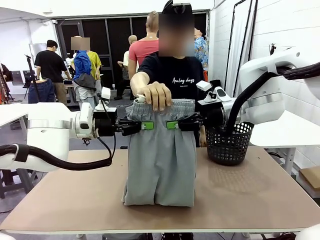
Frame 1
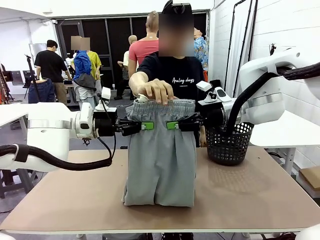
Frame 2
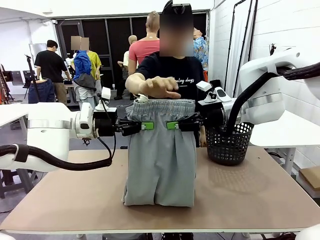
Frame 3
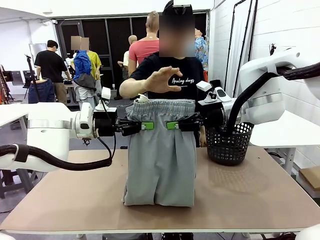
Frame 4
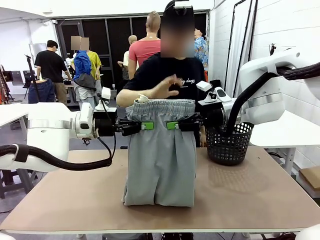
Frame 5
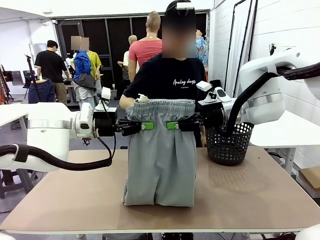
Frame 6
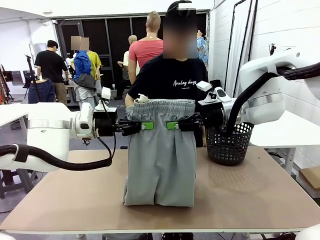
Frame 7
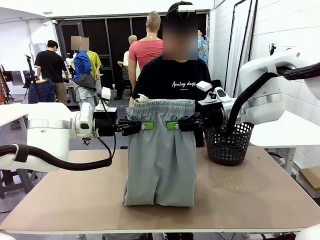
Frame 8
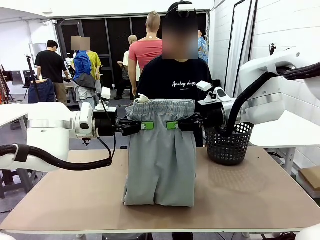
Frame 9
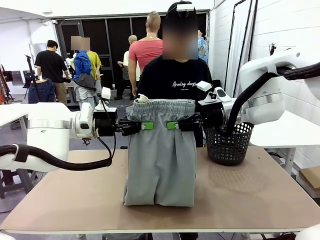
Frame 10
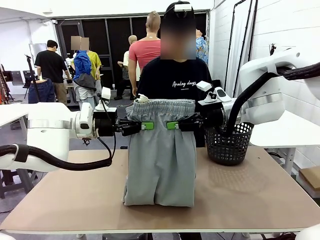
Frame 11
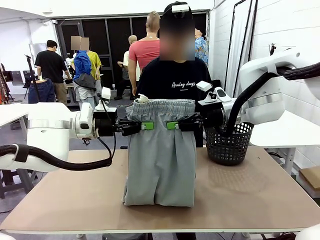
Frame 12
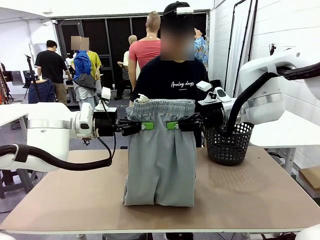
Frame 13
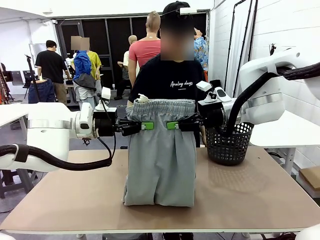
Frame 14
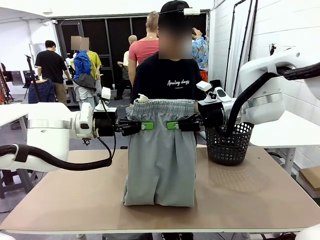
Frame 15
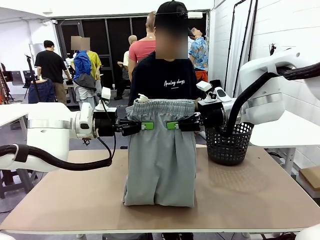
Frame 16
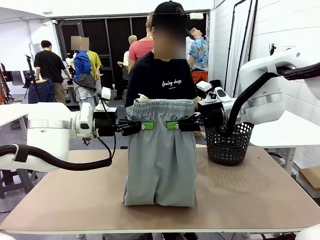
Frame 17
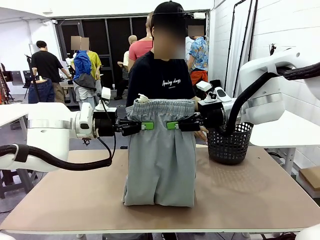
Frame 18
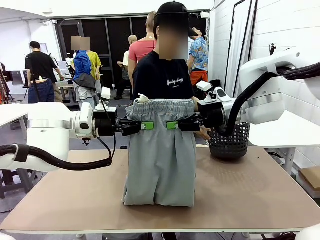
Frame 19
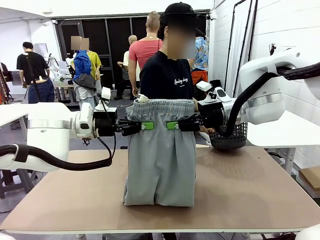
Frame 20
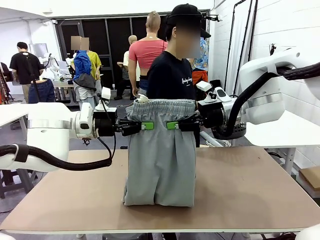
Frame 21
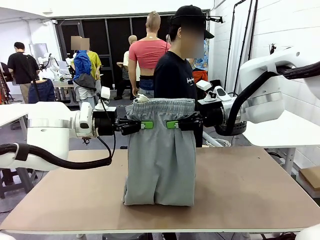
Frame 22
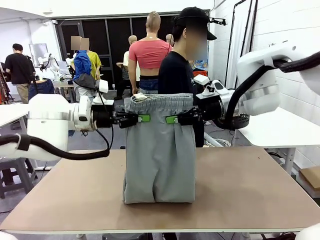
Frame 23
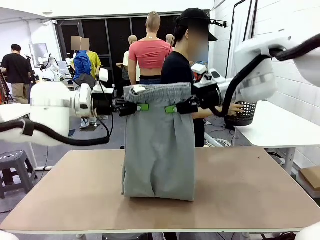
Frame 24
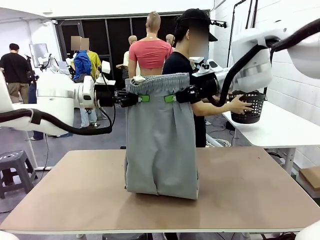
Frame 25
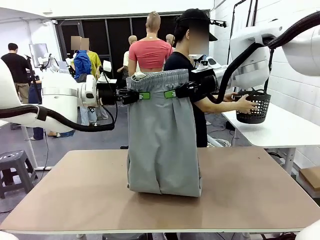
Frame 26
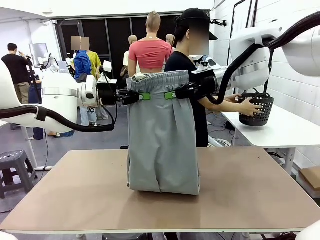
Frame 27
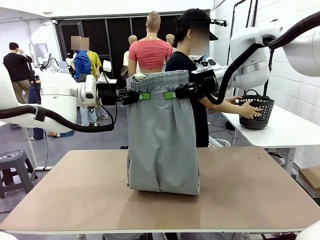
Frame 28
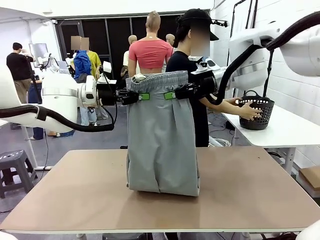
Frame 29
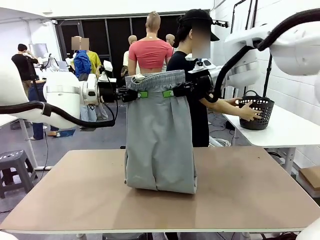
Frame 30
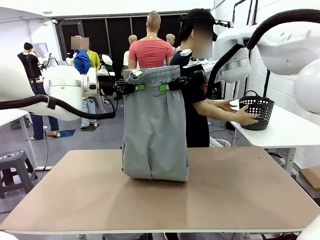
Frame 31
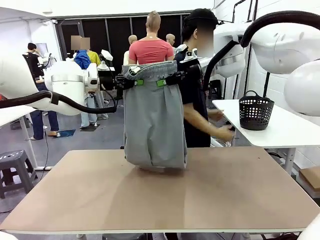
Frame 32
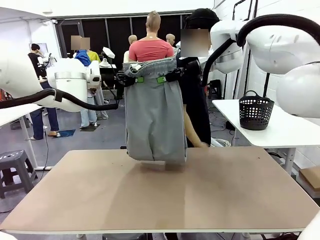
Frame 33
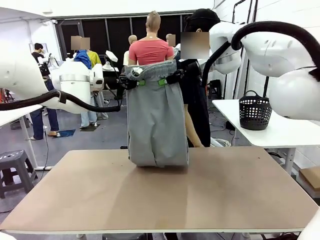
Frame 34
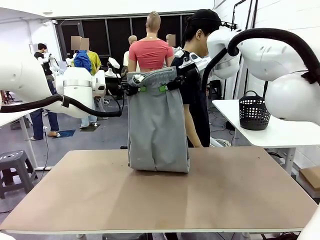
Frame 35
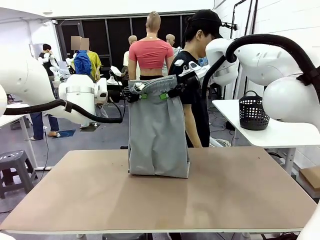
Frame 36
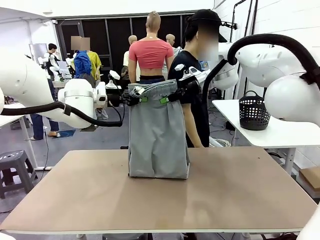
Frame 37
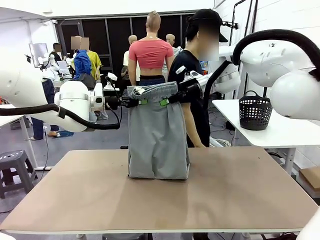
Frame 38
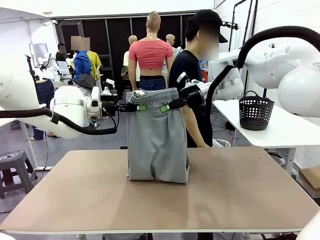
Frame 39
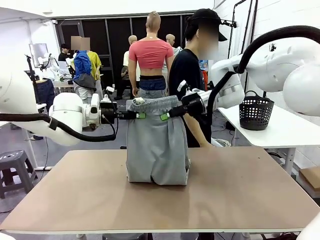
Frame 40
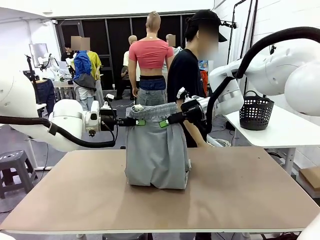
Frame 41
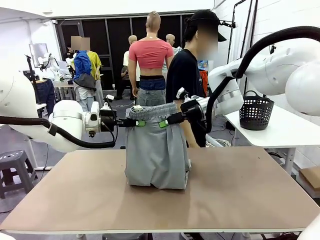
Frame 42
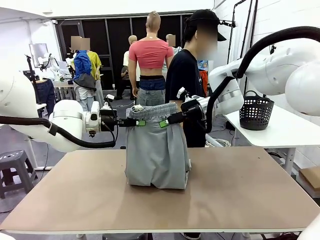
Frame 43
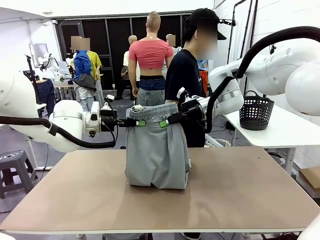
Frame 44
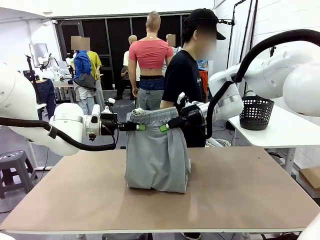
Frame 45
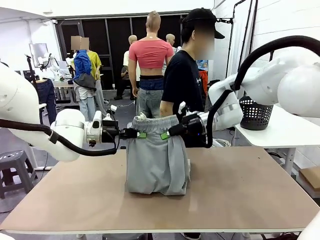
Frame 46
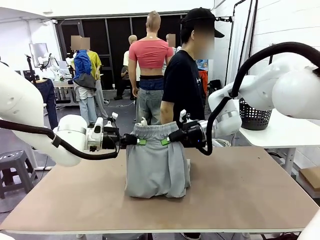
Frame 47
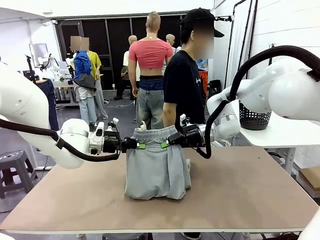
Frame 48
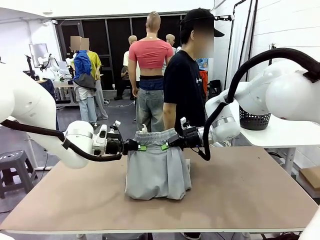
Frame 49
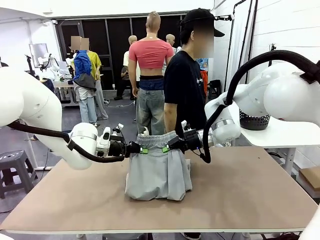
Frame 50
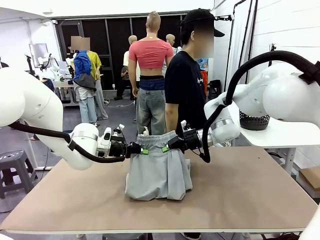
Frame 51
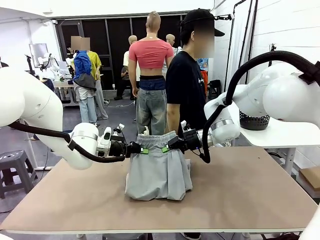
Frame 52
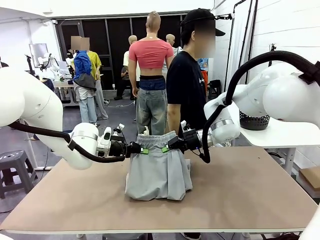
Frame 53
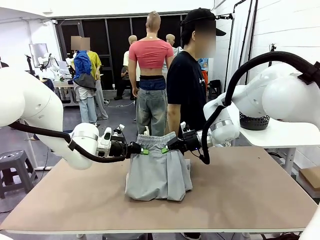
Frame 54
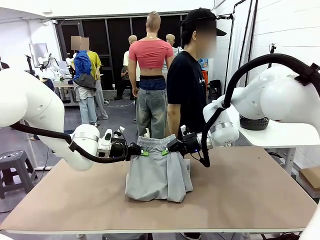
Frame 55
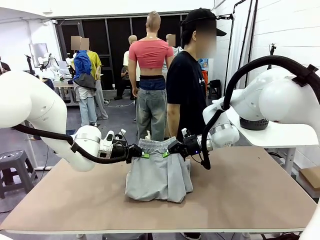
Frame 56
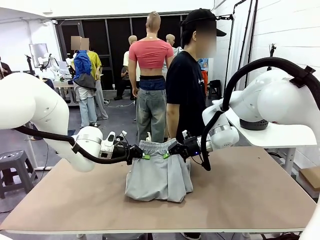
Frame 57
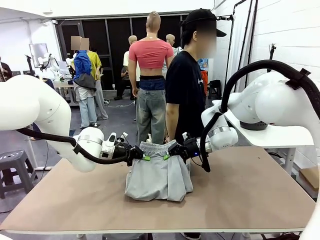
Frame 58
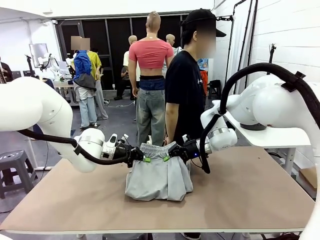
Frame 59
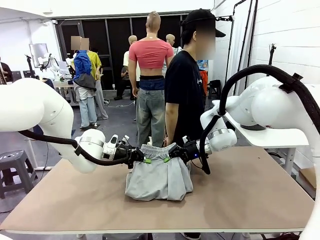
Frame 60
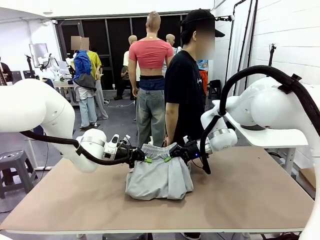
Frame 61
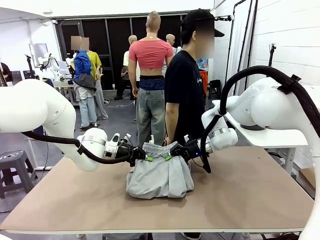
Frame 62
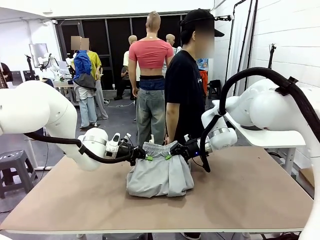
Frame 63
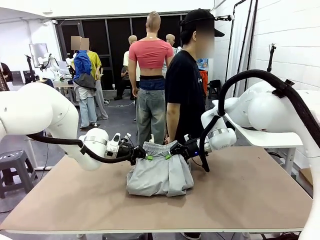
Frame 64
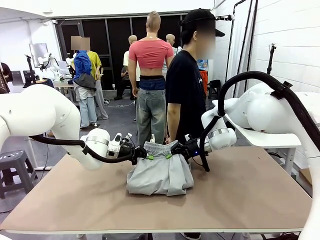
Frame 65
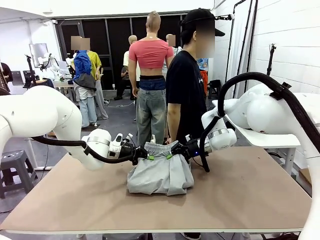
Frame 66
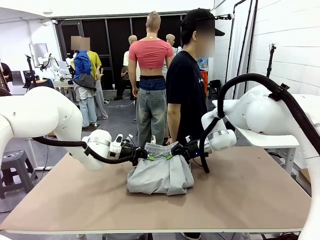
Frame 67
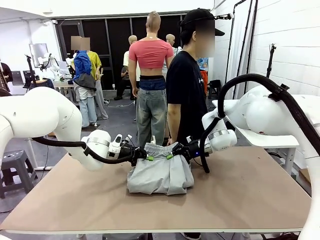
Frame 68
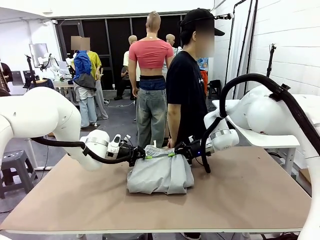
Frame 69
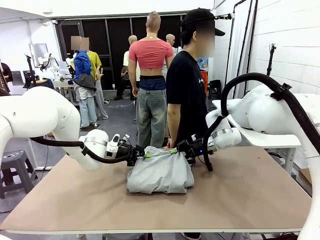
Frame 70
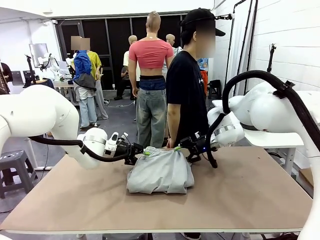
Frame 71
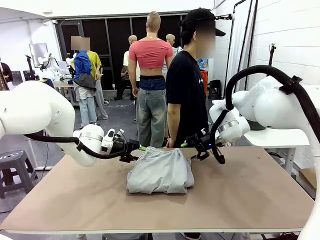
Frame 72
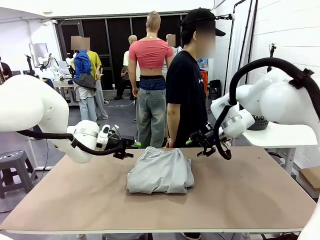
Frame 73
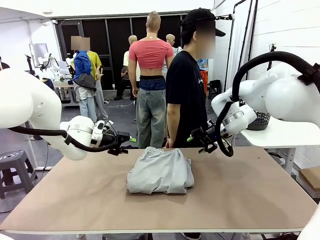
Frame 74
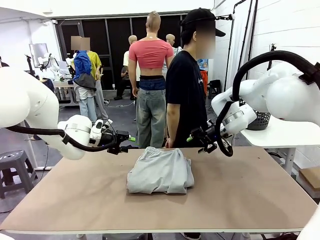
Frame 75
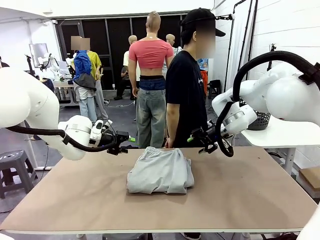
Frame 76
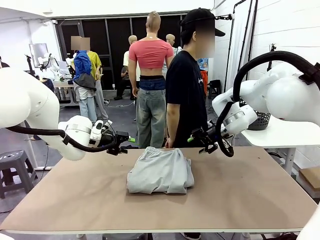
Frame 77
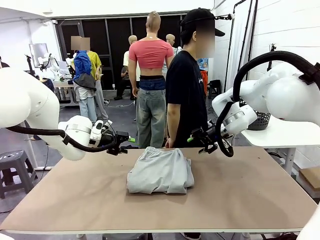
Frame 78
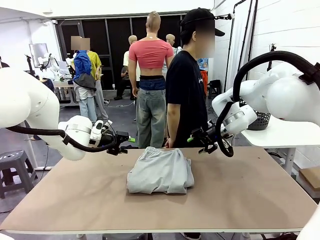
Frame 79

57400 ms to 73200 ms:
Task: Fold the training pants.
Robot: Fold the Training pants in half.
Person: Move the laundry basket to the right of the human table.

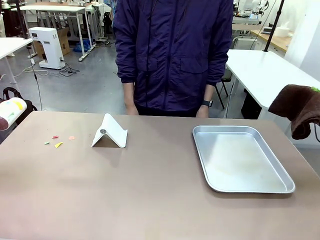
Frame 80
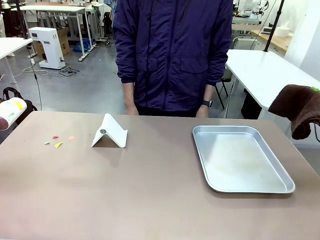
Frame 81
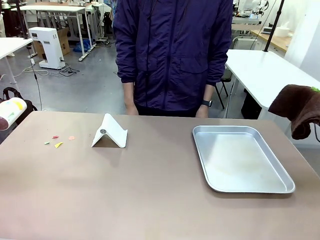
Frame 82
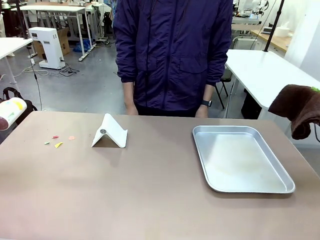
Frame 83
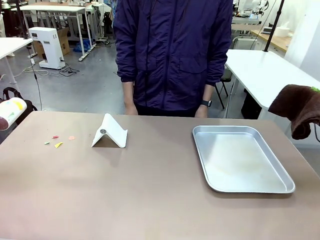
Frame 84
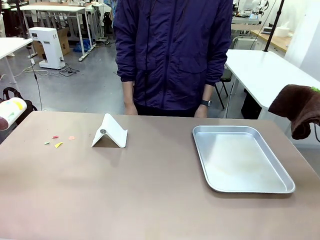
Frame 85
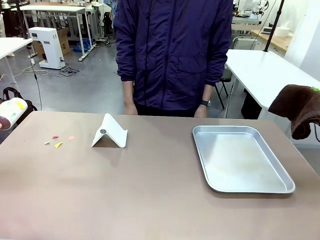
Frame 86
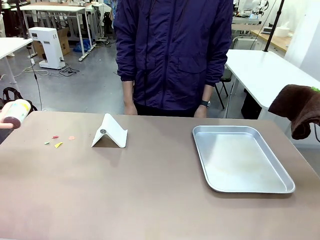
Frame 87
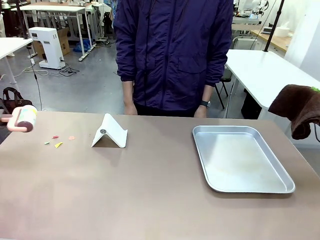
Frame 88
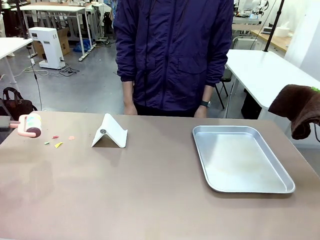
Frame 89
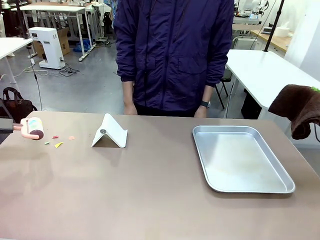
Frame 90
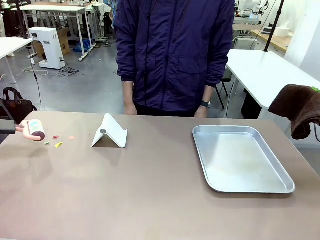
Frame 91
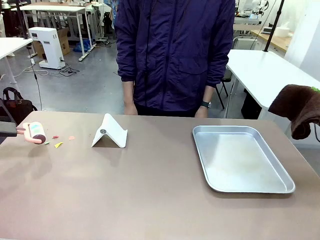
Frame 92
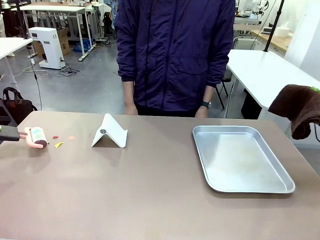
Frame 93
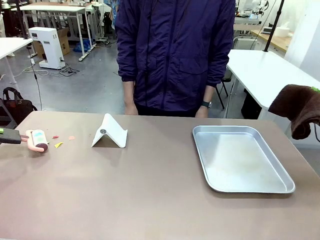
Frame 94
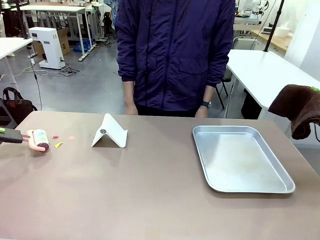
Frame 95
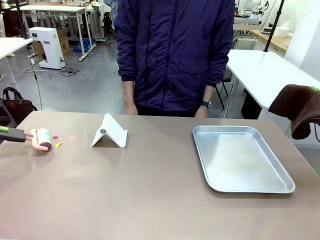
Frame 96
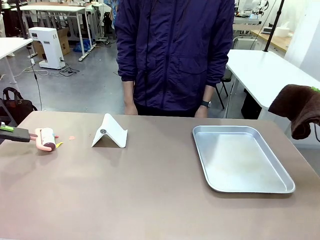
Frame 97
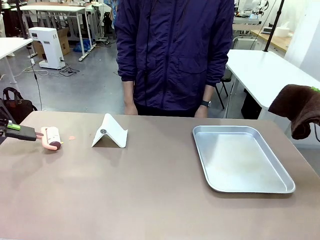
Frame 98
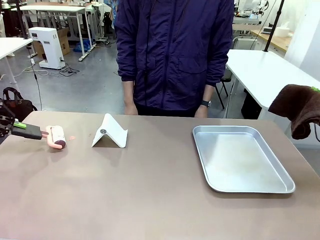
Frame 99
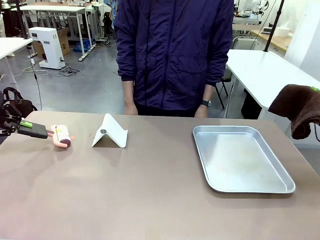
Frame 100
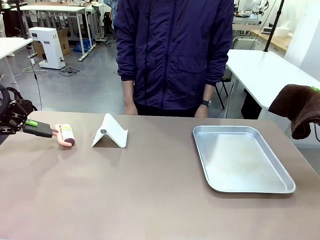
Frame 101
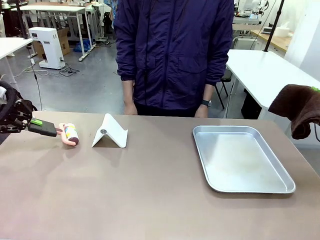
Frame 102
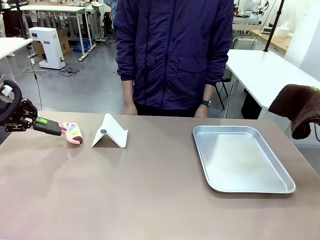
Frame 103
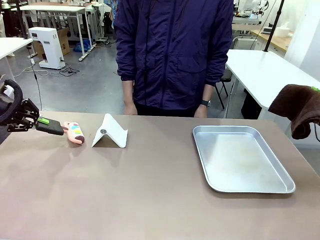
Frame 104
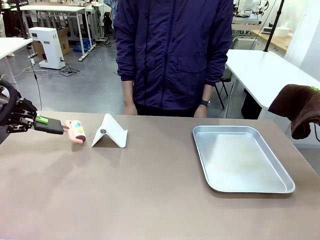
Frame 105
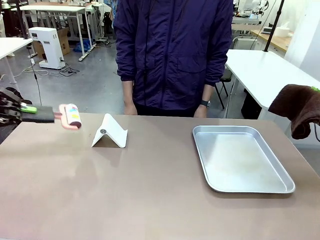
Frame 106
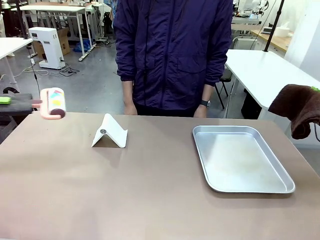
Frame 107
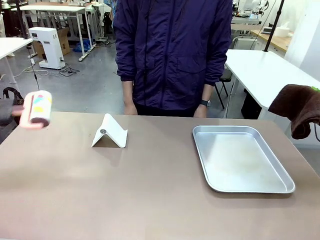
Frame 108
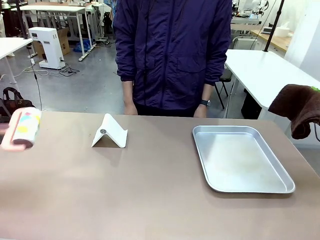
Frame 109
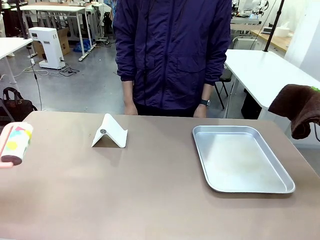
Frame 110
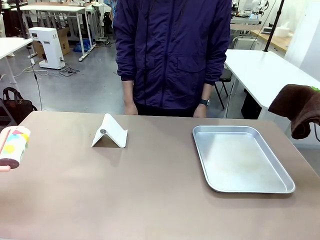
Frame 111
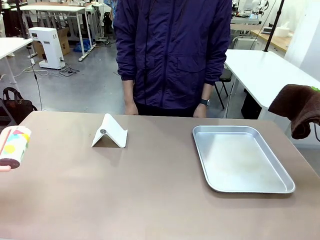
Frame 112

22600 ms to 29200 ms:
Task: Clean the surface of the table.
Robot: Clean the area not pointed to by the person.
